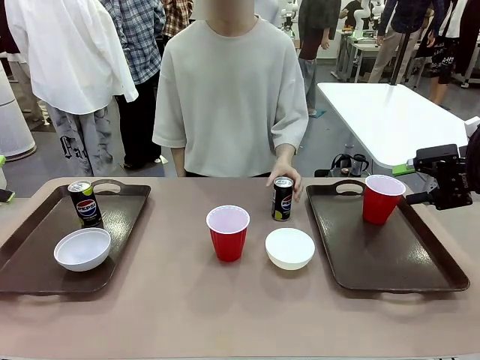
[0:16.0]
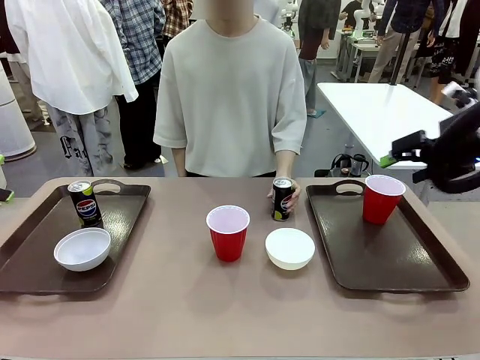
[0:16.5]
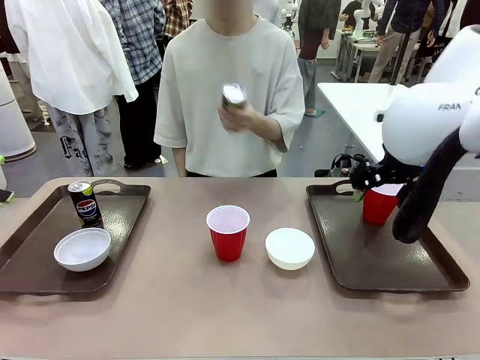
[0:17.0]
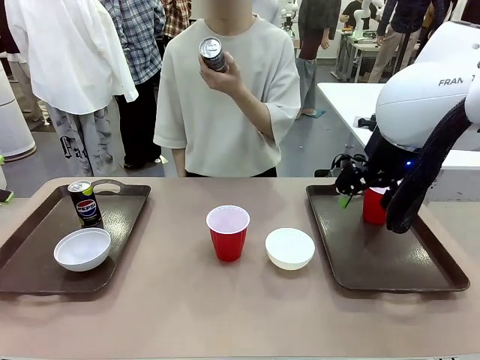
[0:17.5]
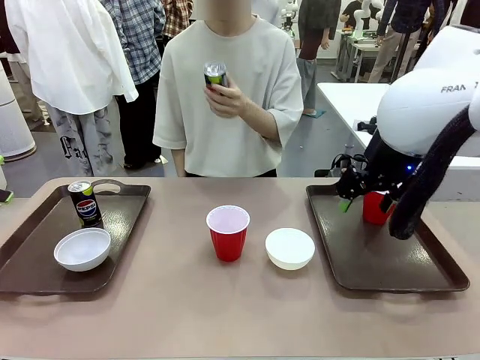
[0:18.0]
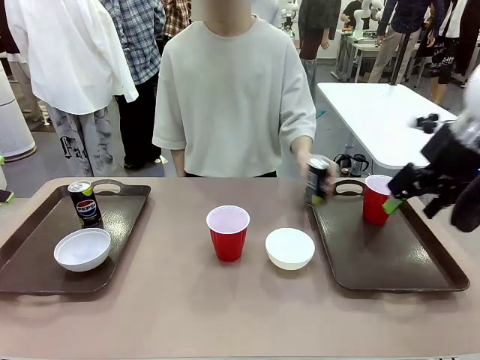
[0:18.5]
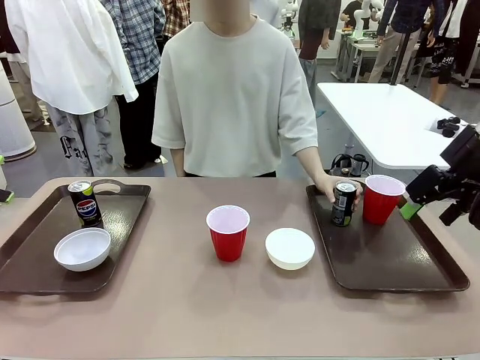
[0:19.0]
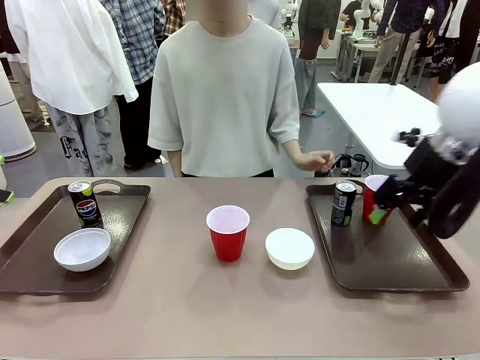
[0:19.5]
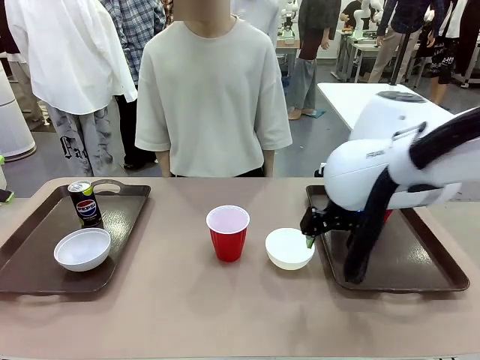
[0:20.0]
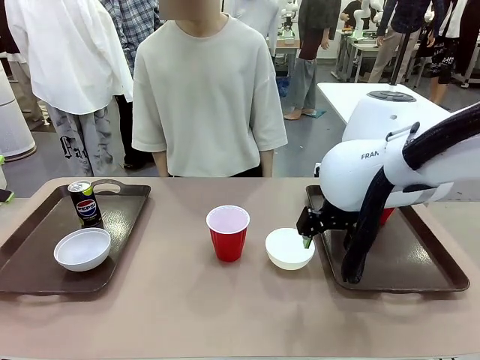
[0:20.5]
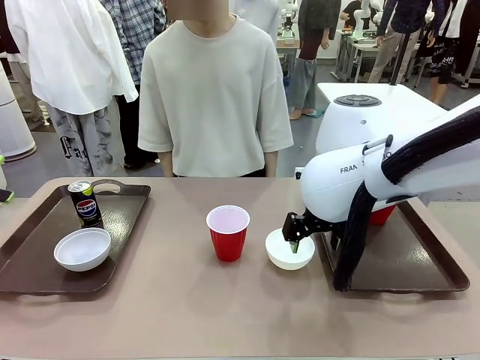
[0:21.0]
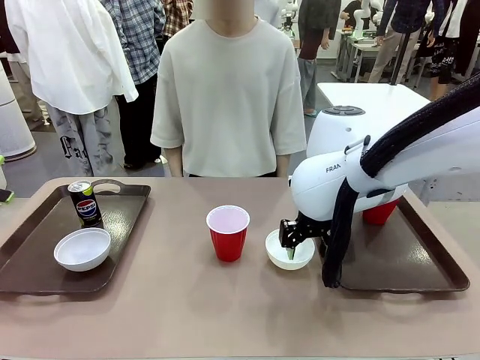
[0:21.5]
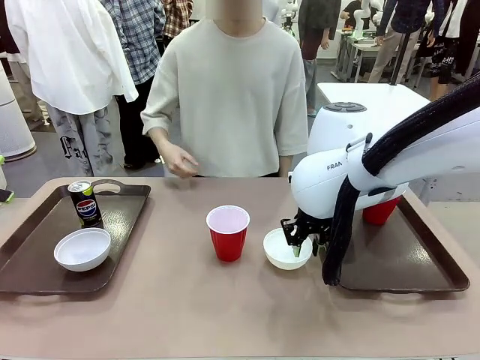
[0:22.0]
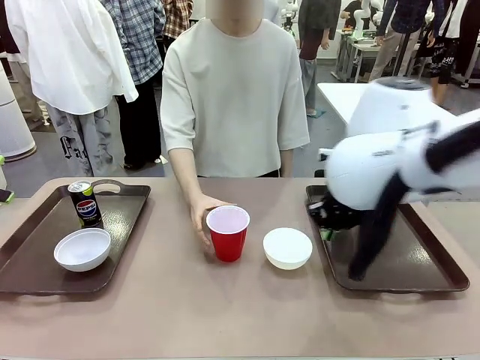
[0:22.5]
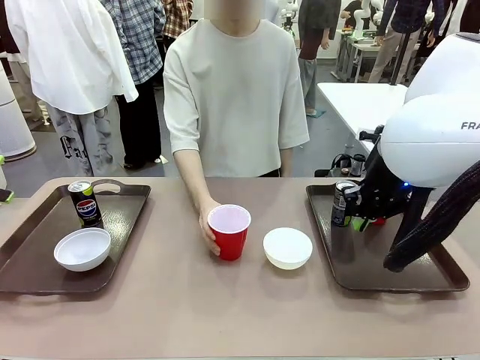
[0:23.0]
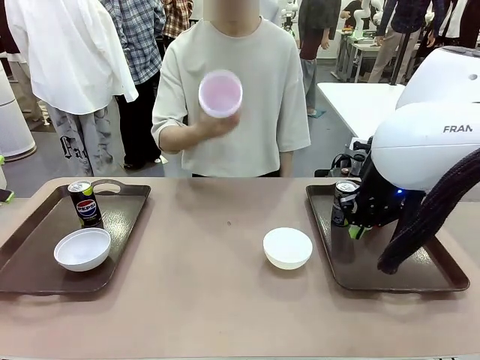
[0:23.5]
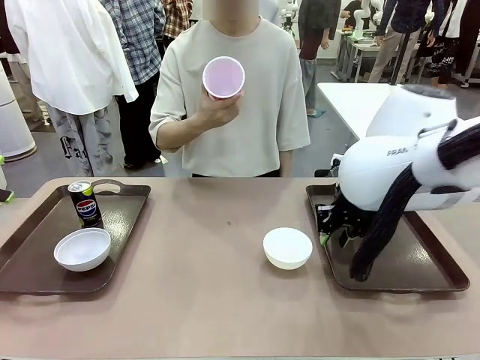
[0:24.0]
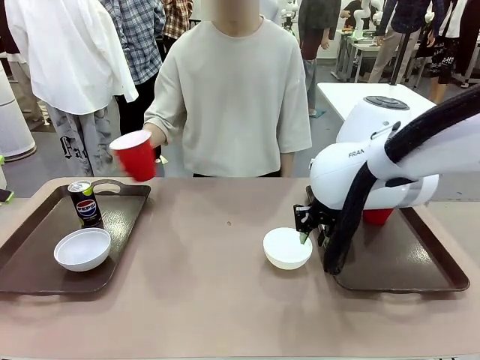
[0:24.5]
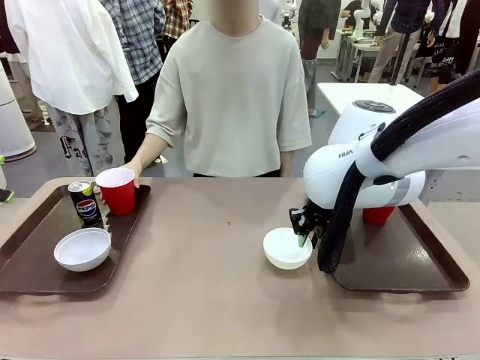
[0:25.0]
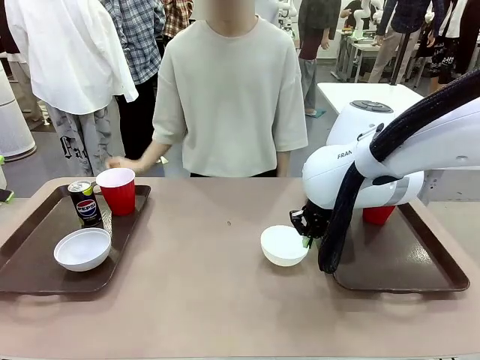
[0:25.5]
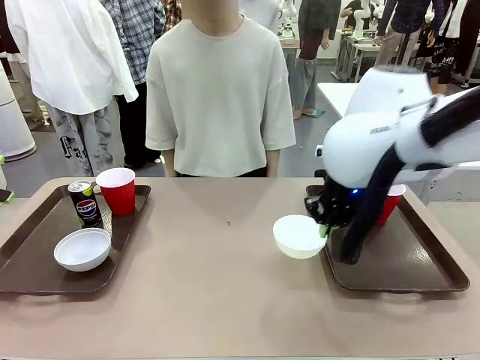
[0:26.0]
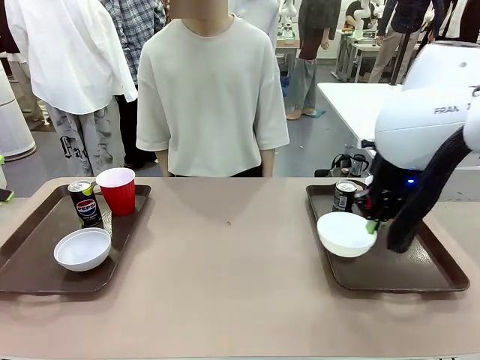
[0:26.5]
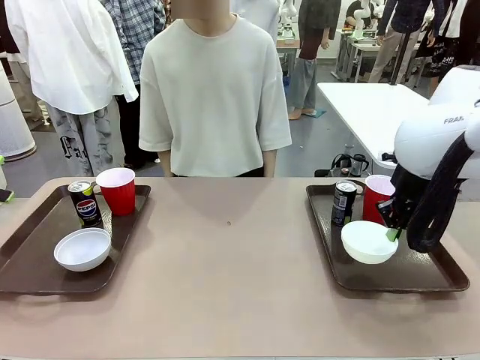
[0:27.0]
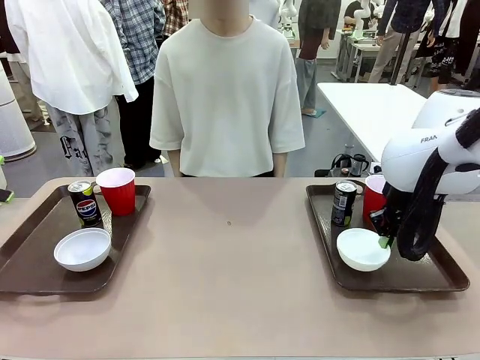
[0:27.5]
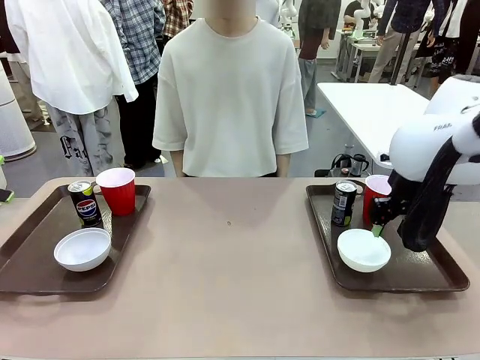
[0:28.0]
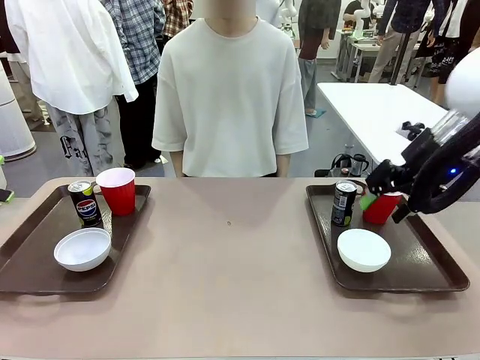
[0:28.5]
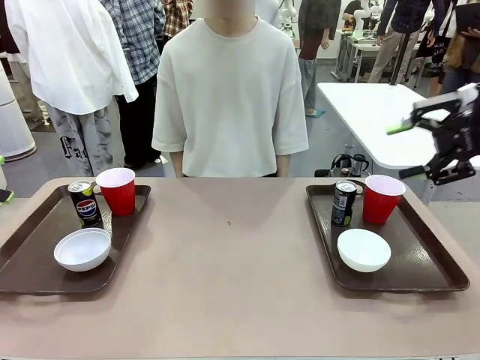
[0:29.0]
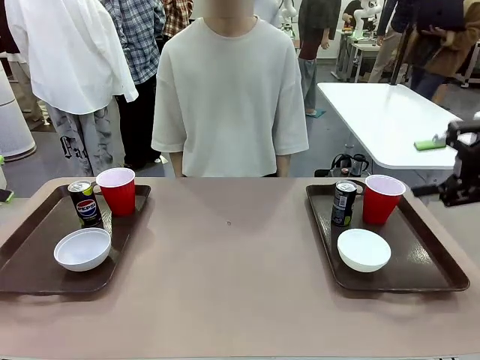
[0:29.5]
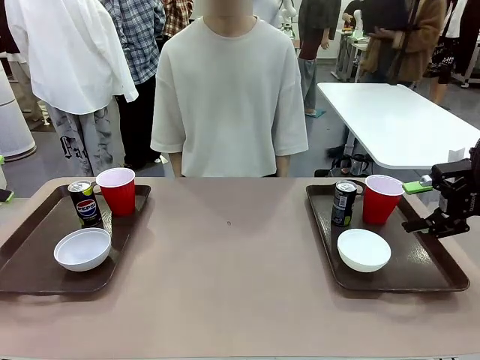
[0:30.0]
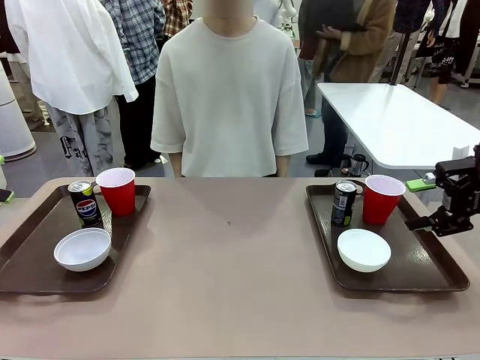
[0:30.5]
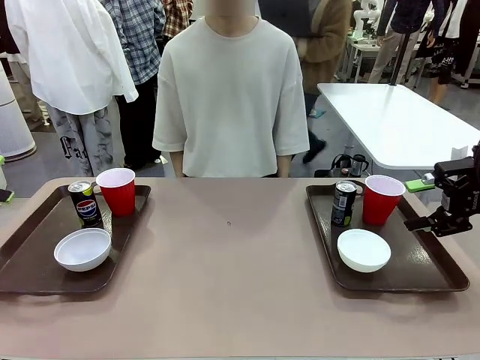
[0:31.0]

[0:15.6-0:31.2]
Task: Prepare tableware on both trays.
Robot: Pick up a Picnic Bowl from the table and place it on a Handle tray.
Person: Pick up a can or cup and place it on the tray without a can or cup.

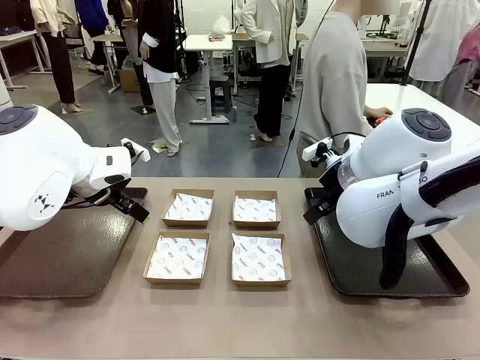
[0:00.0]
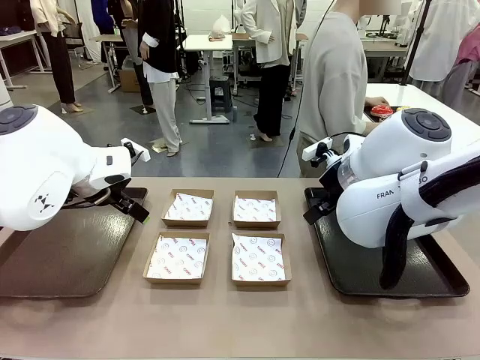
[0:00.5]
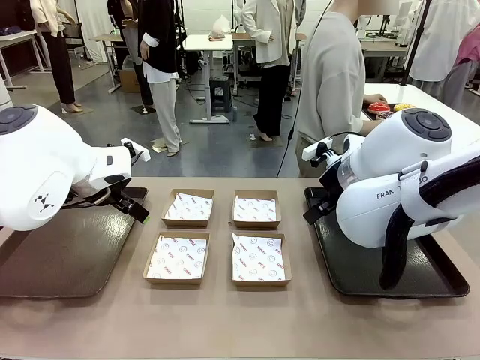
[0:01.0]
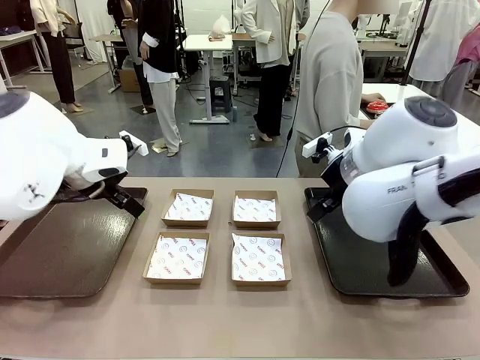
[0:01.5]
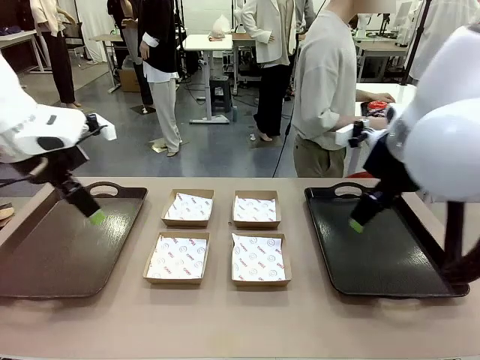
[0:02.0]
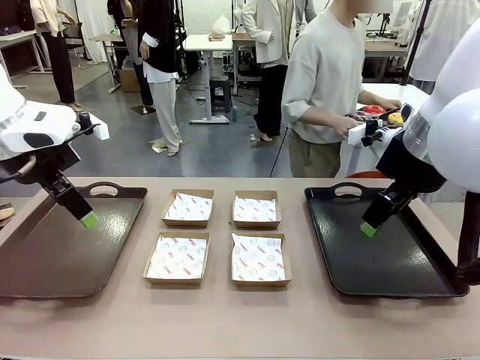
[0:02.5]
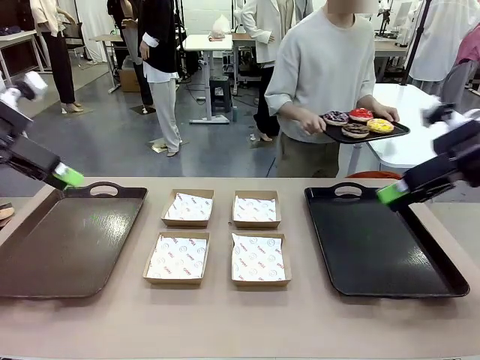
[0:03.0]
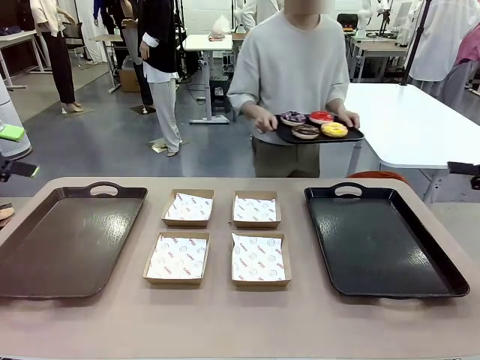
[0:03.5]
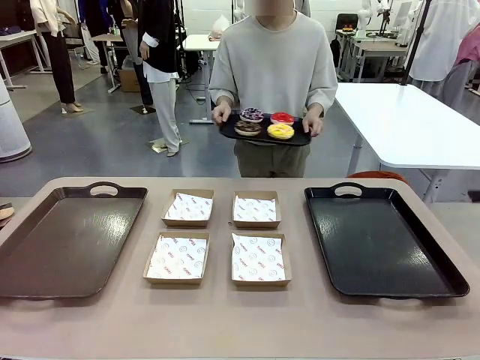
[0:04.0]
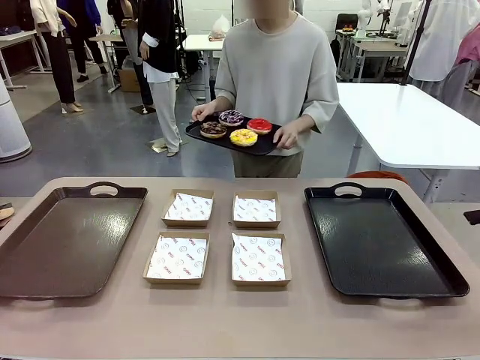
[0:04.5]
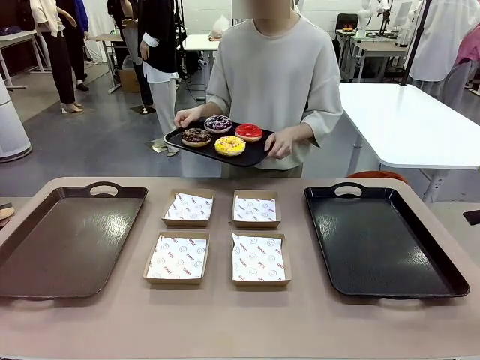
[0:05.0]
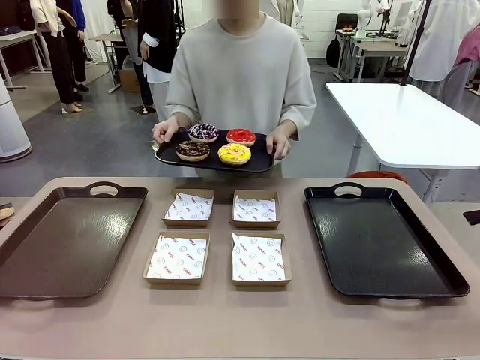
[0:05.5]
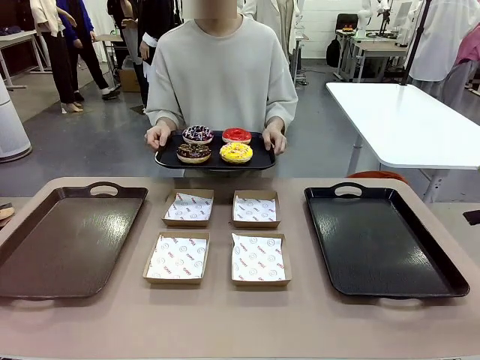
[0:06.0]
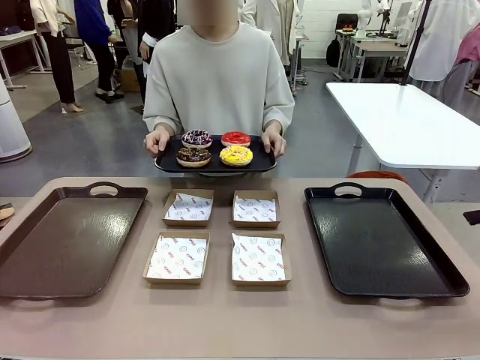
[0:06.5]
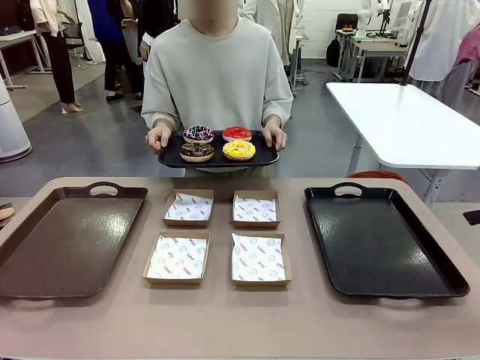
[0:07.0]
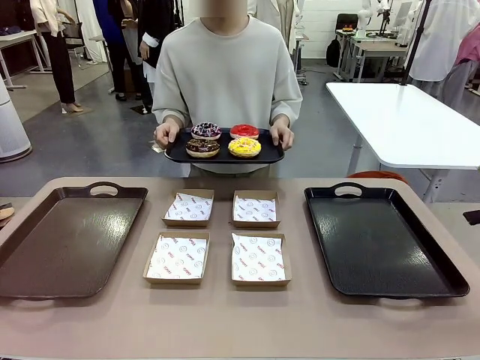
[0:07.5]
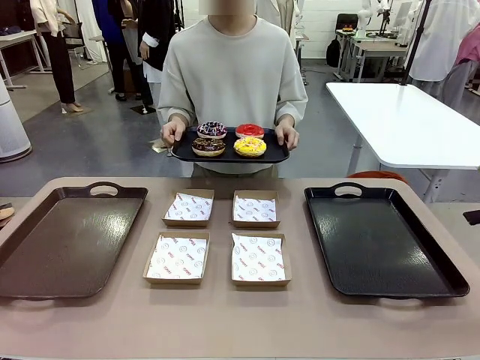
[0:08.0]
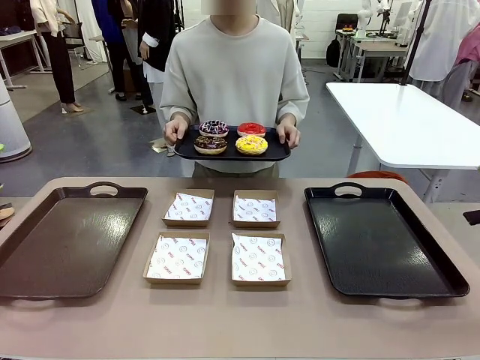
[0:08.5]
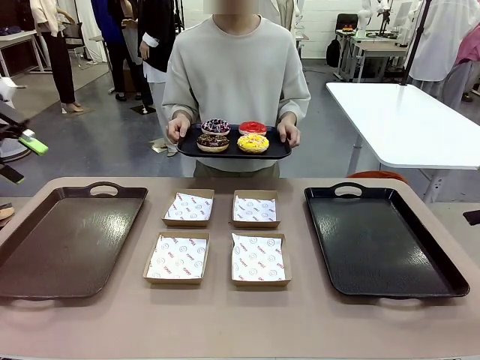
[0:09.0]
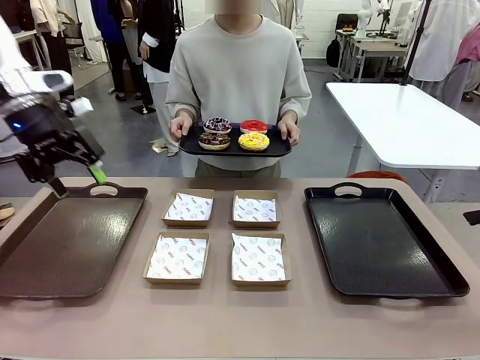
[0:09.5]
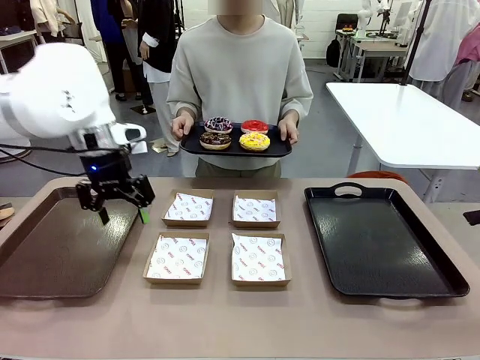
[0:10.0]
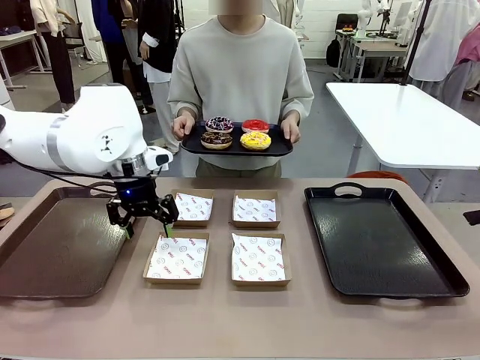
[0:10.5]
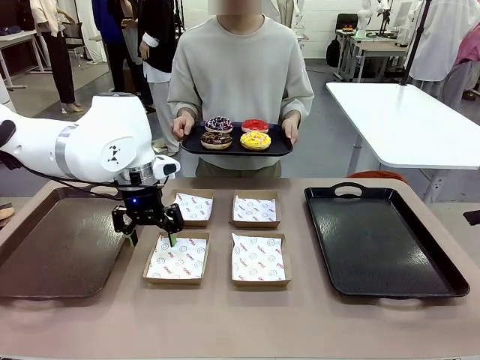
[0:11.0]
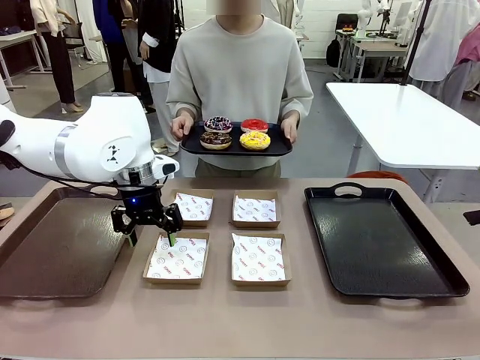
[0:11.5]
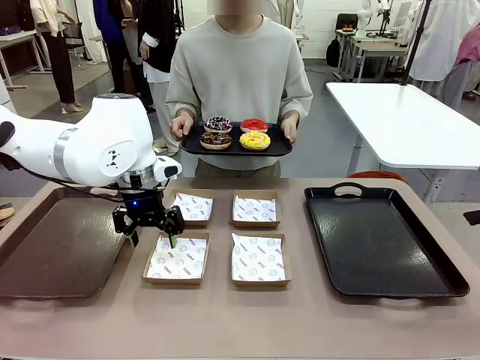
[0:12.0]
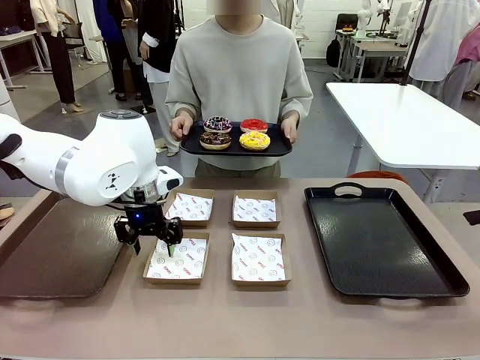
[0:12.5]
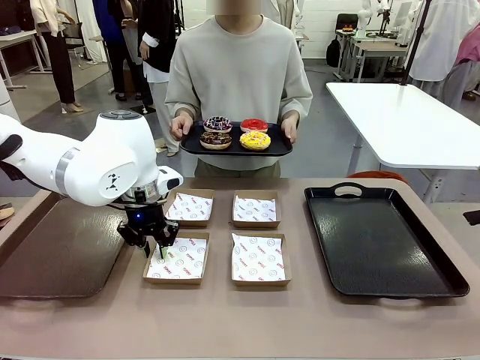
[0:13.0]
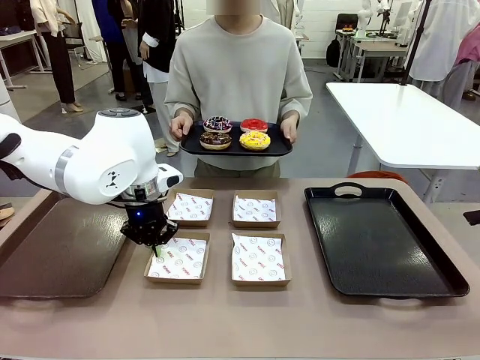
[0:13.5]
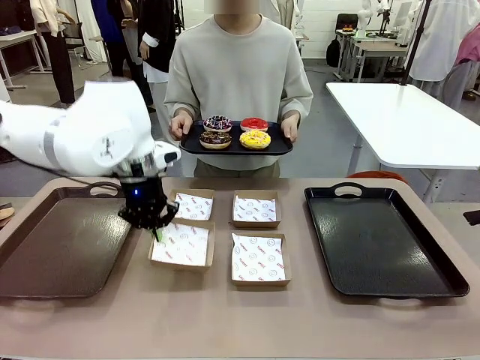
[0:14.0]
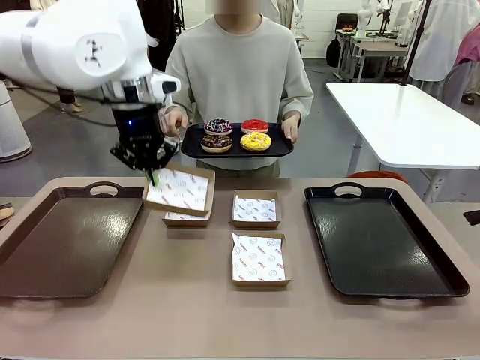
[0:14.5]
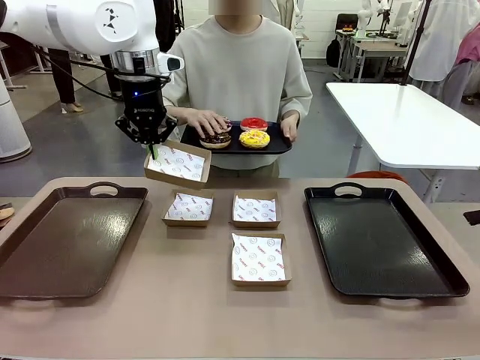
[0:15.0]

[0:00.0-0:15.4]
Task: Individually package the donuts and arrange them on the tray.
Robot: Pick up one Paper togo box.
Person: Stand in front of the robot table holding the tray containing the donuts.
